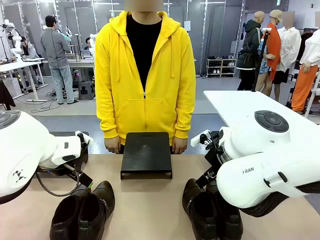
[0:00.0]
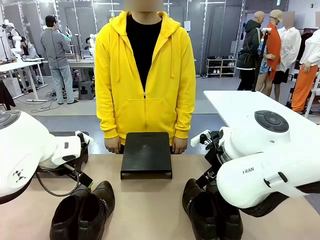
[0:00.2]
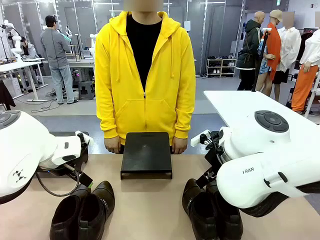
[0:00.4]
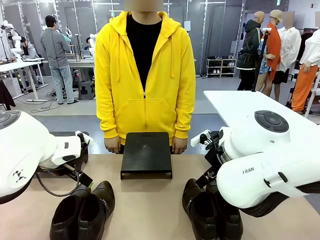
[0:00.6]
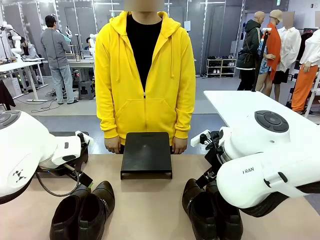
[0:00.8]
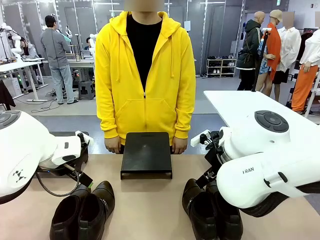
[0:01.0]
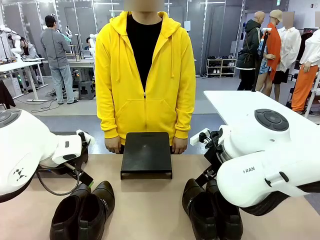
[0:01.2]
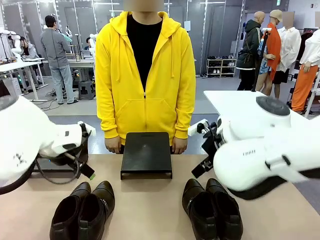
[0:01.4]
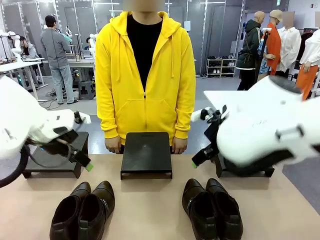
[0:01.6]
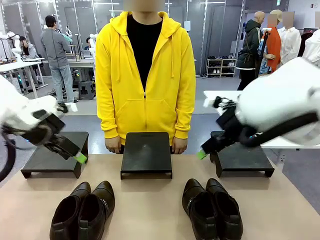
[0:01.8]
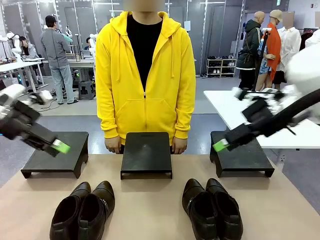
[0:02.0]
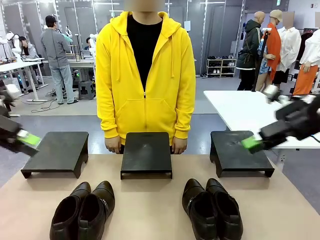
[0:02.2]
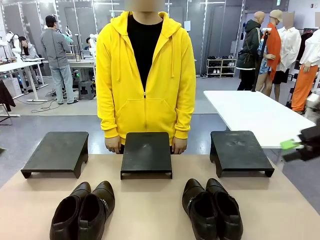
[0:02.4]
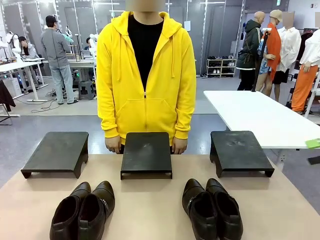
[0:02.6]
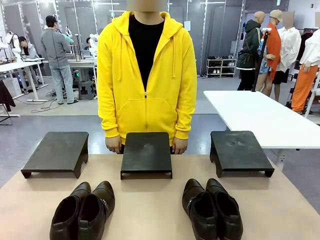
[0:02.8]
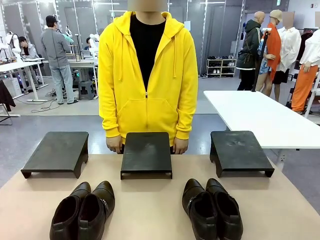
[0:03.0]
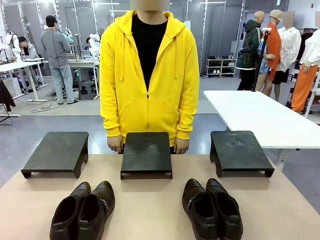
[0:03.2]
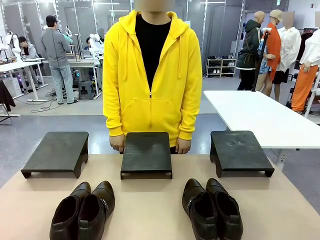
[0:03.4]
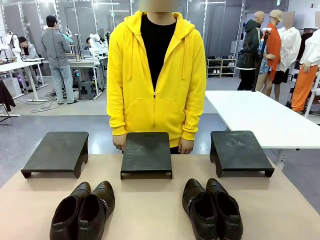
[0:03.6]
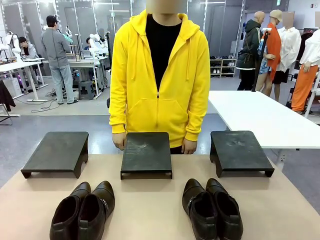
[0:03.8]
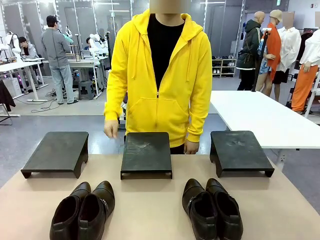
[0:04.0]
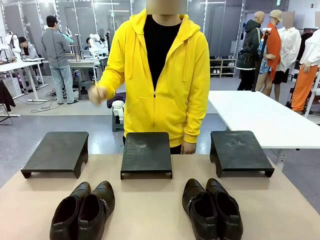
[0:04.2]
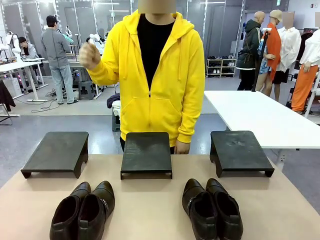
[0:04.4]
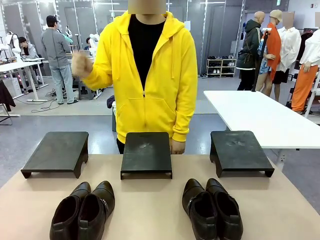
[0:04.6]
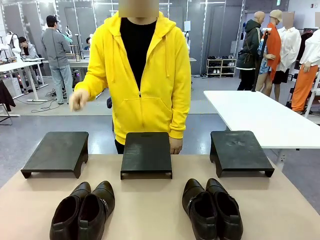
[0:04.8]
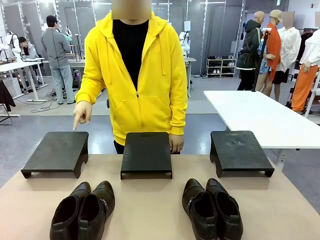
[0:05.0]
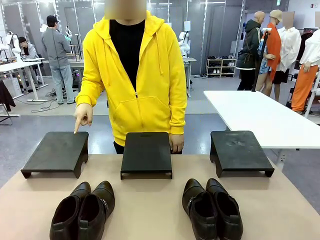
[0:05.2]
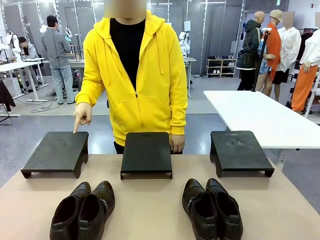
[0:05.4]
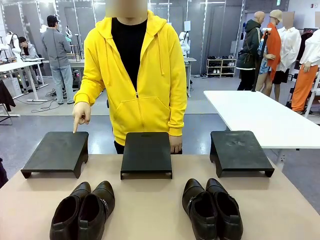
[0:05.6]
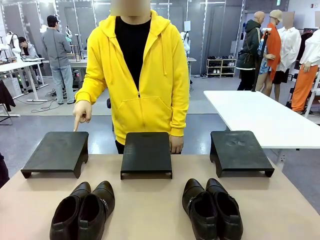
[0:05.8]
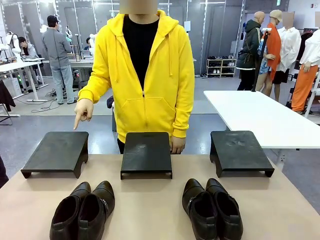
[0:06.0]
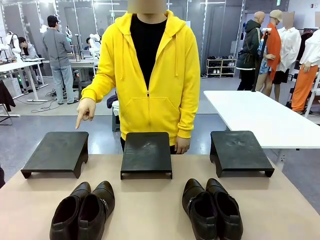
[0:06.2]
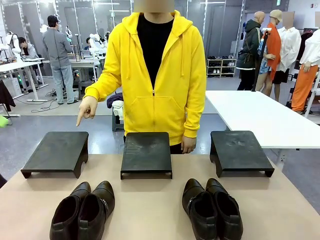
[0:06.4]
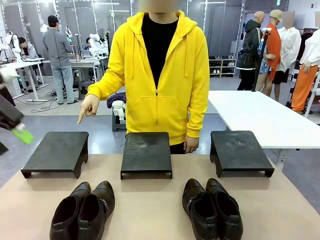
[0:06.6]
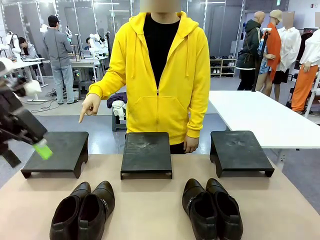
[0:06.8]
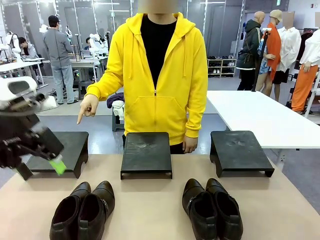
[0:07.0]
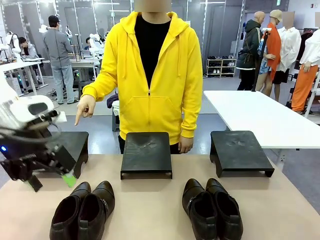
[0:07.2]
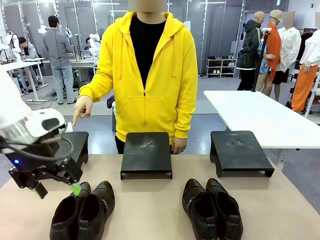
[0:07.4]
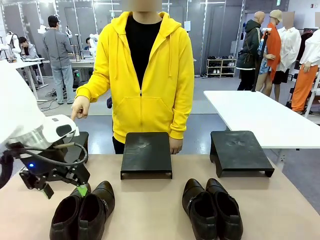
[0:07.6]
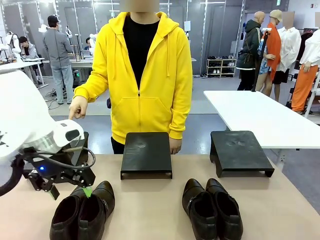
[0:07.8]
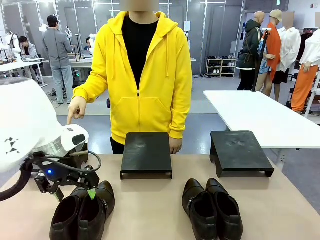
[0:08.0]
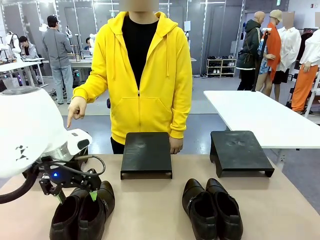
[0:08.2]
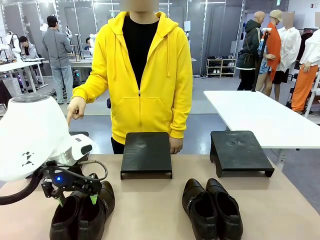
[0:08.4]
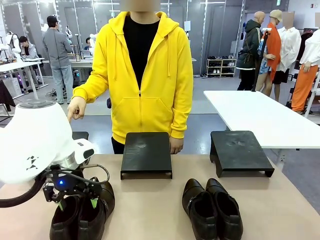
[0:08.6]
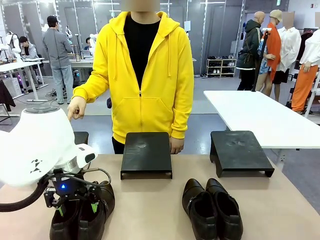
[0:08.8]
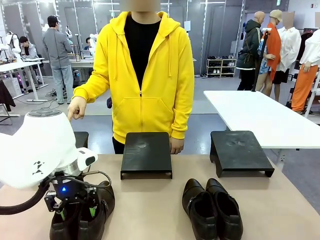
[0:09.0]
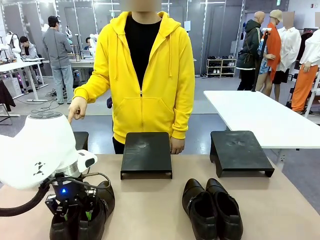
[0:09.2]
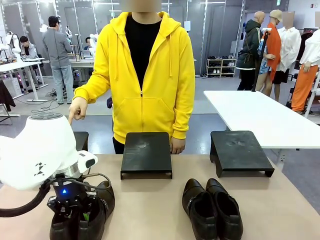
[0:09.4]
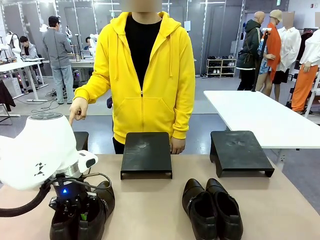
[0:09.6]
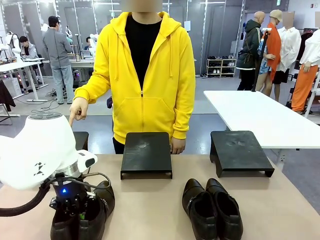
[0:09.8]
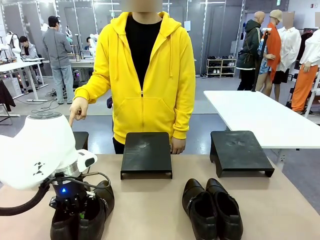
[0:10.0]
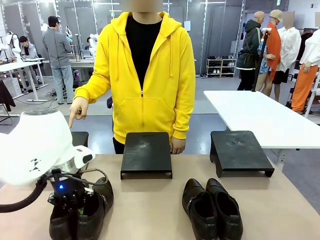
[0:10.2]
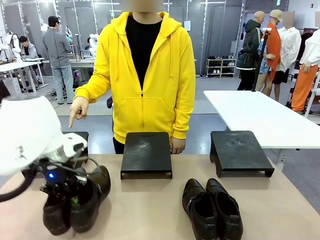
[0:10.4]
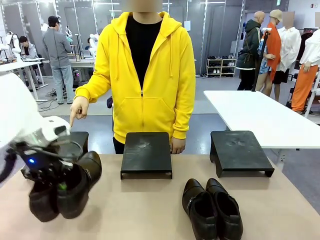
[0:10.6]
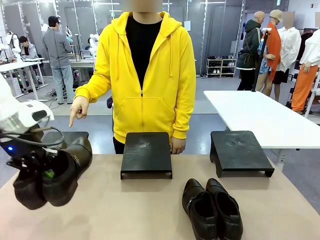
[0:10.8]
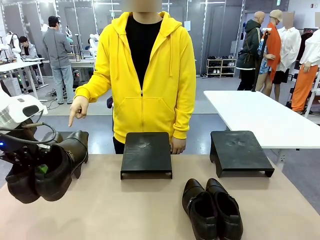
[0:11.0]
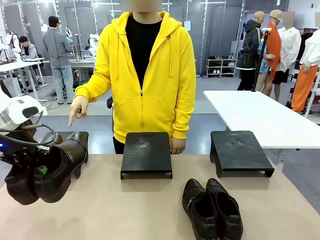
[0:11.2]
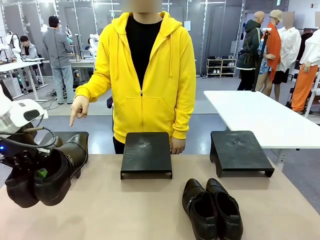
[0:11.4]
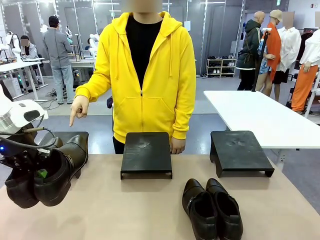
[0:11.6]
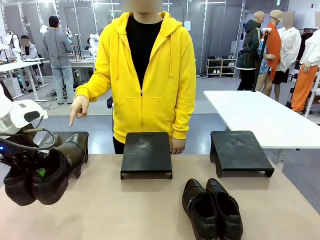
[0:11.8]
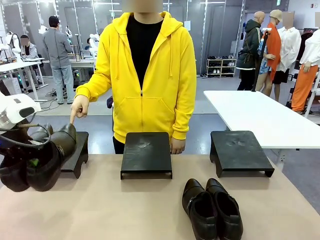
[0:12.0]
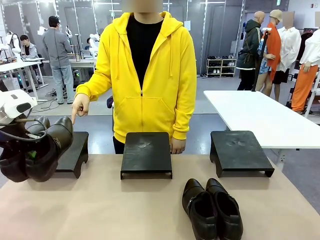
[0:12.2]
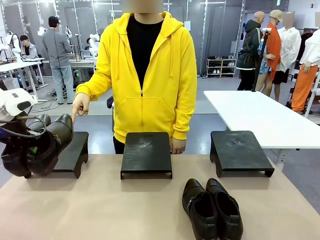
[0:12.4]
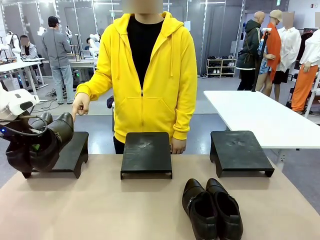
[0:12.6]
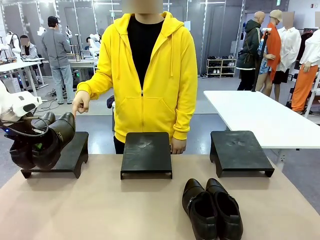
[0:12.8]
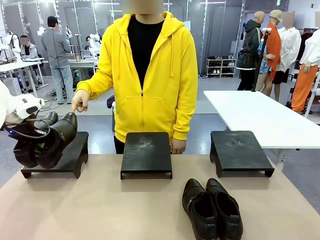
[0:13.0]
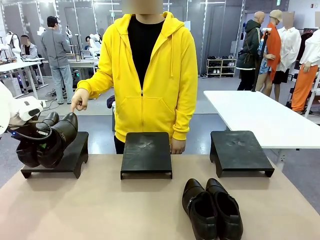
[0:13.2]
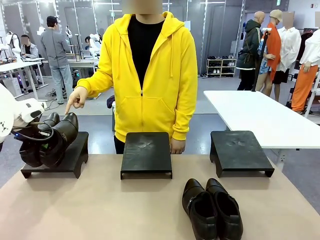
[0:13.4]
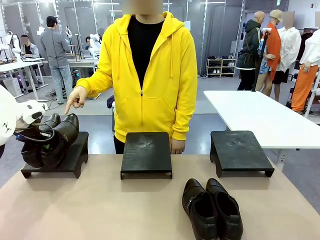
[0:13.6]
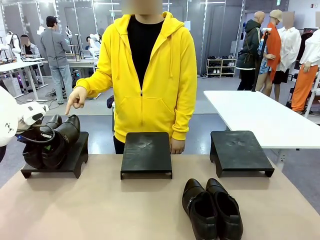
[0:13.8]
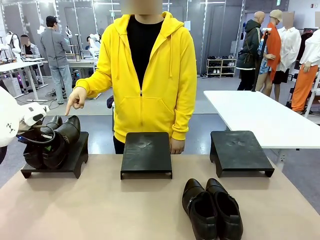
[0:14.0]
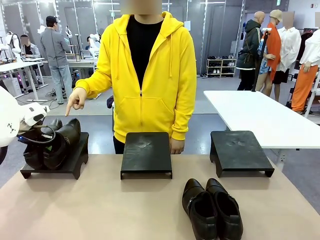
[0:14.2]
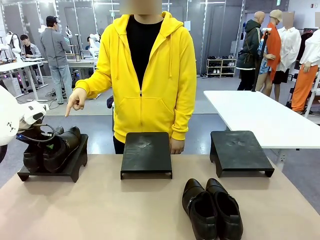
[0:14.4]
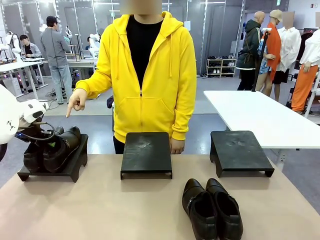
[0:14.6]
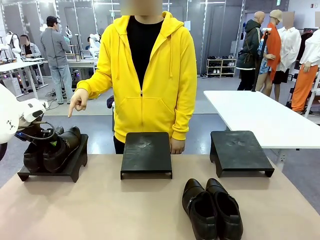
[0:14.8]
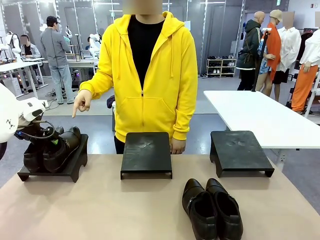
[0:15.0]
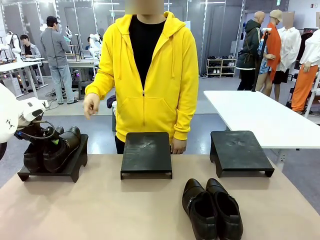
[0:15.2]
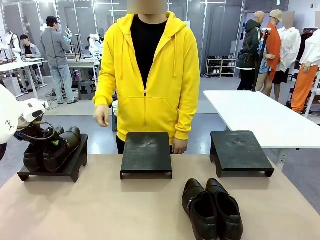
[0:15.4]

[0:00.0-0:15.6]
Task: Place the shoes on the stand as instructed by the person.
Robot: Pick up one pair of Shoes and place it on the Shoes Stand indicated by the person.

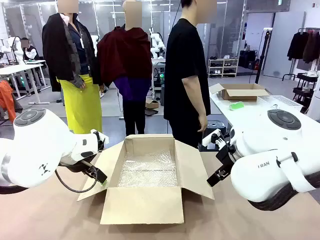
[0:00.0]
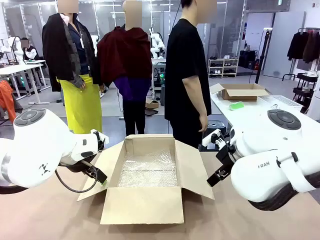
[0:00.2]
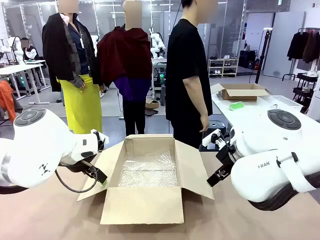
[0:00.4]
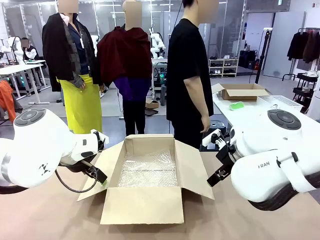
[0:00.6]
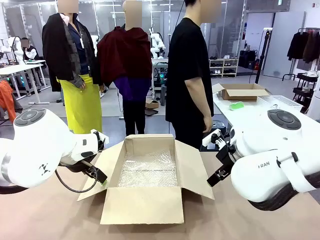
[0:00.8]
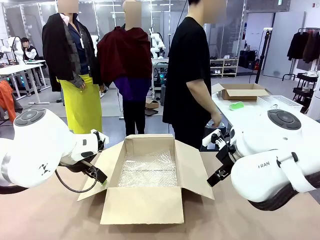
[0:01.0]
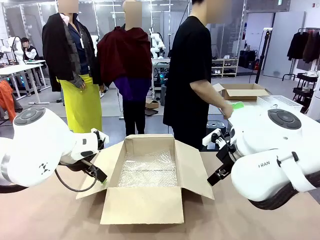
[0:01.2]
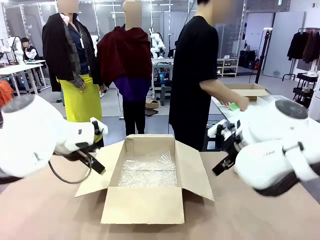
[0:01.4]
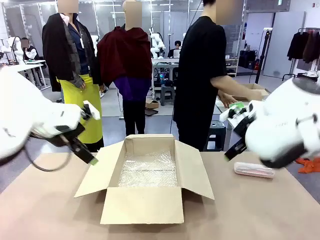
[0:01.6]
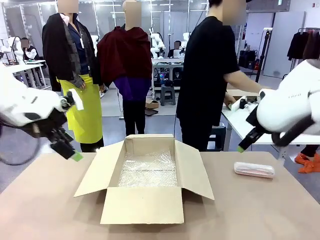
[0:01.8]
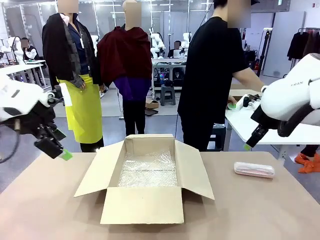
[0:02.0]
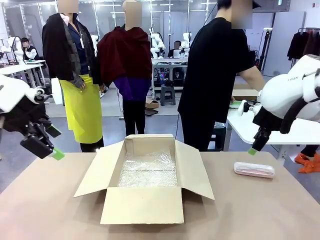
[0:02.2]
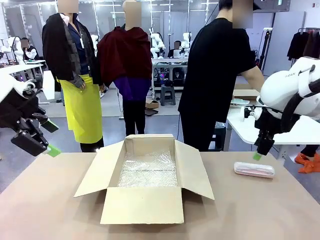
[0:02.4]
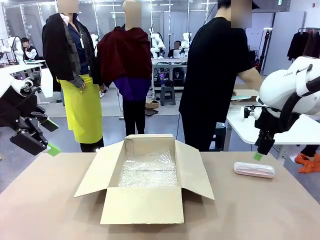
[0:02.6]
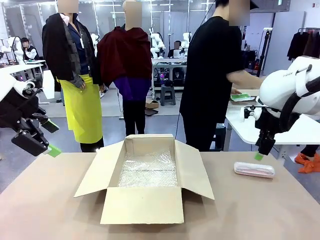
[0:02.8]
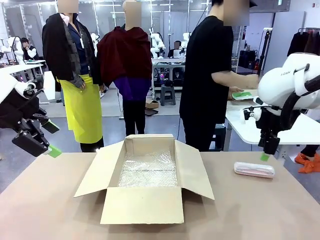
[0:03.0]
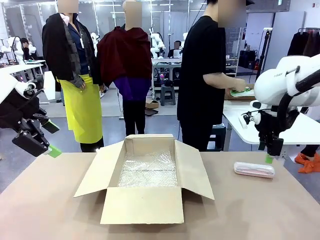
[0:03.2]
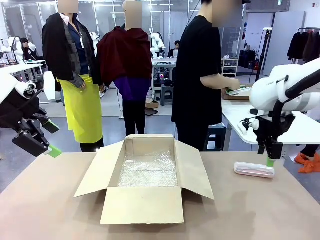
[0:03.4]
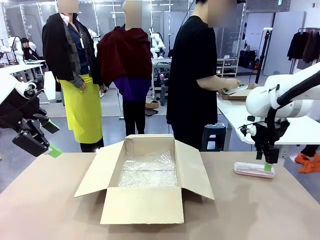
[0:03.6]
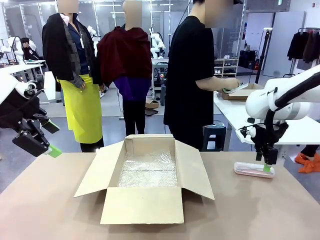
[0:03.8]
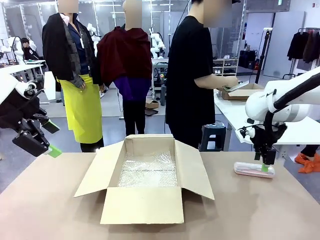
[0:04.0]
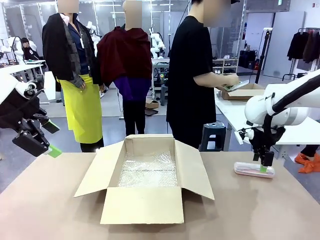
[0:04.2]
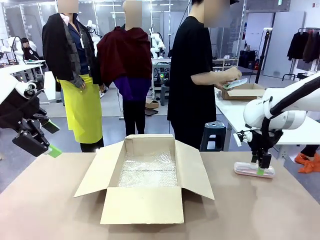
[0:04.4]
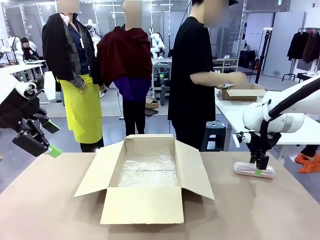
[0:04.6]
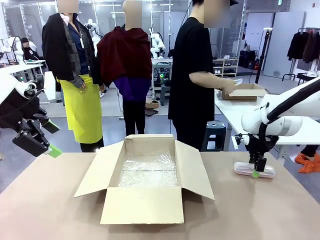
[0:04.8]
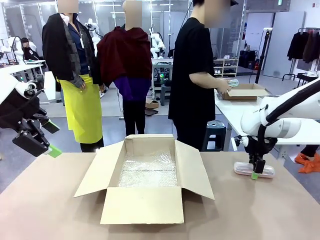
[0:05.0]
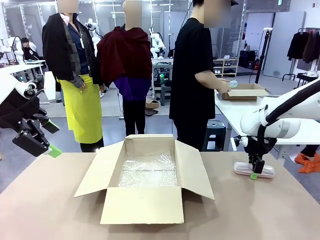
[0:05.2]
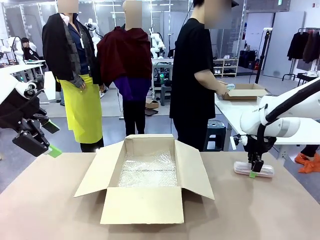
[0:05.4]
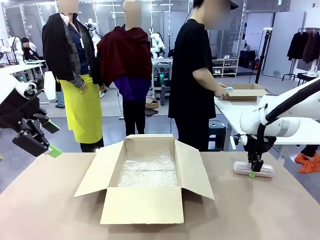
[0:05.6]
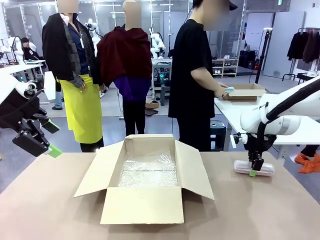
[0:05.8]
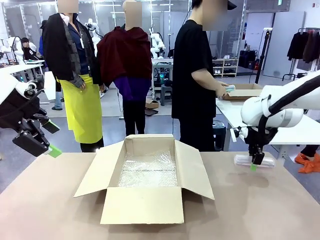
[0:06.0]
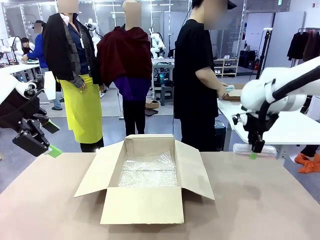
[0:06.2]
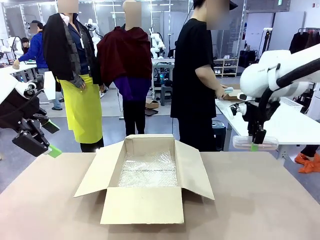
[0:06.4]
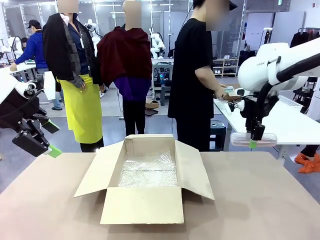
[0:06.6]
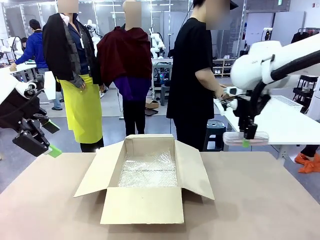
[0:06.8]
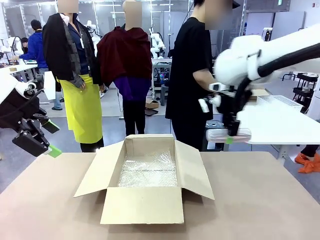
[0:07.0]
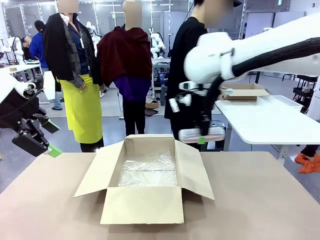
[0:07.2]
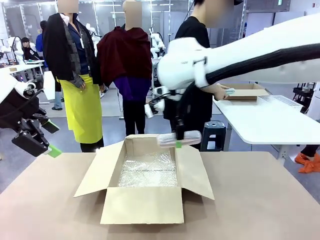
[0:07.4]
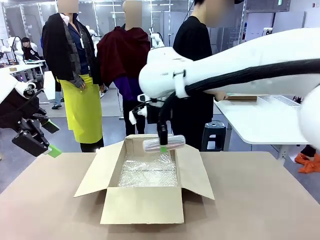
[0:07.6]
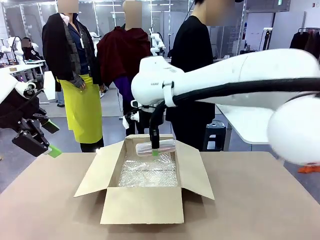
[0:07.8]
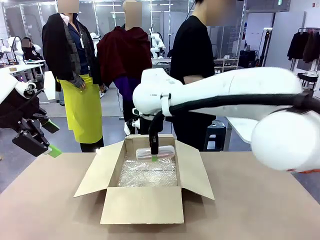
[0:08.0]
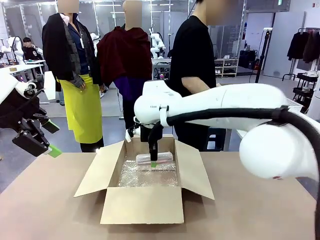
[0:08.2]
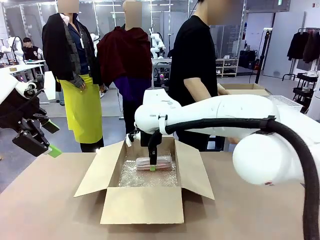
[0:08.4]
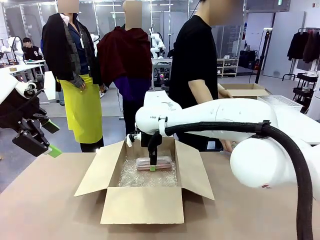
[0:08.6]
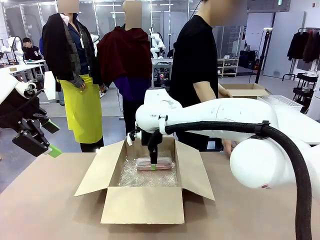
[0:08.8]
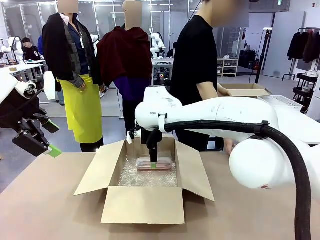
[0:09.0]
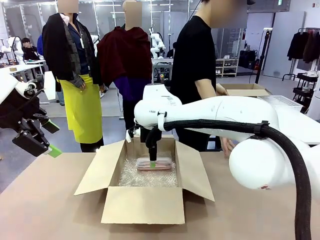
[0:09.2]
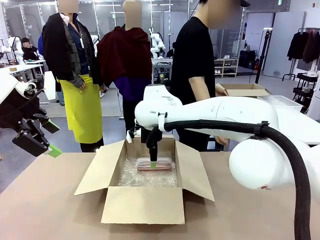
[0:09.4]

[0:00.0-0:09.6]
Task: Pack the glasses set securely to prepare it for shipping.
Robot: Place the Glasses case inside the Package Box.
Person: Place the Glasses inside the Glasses case. Position the Glasses case on the left side of the robot's table.
